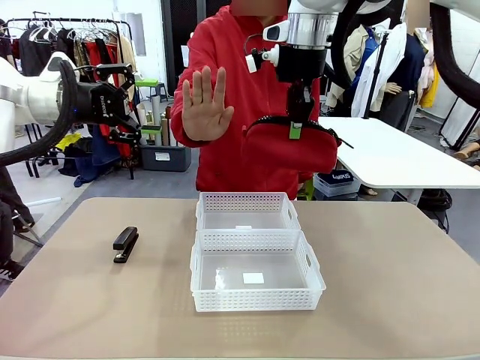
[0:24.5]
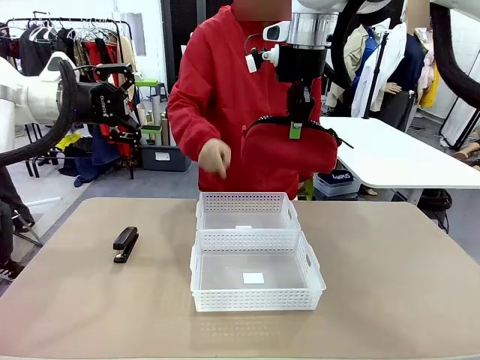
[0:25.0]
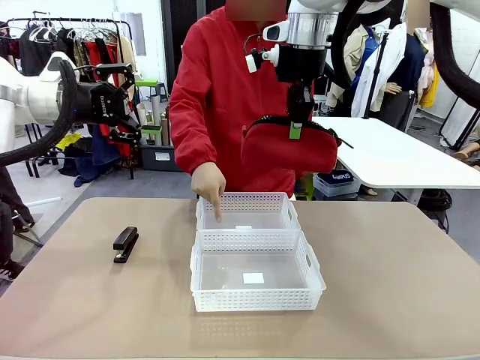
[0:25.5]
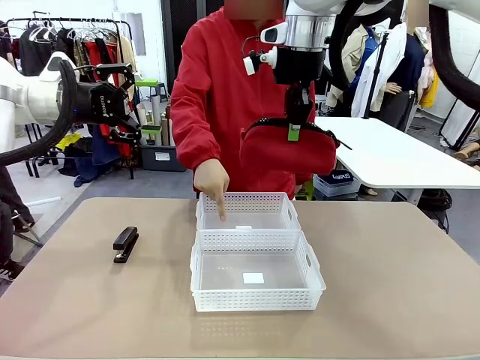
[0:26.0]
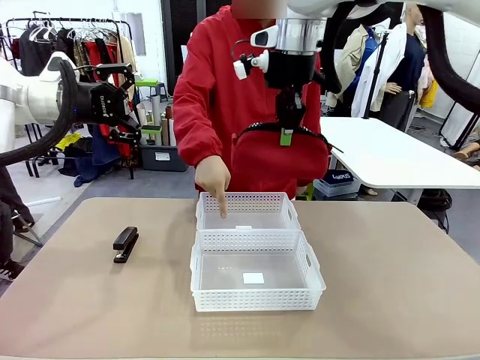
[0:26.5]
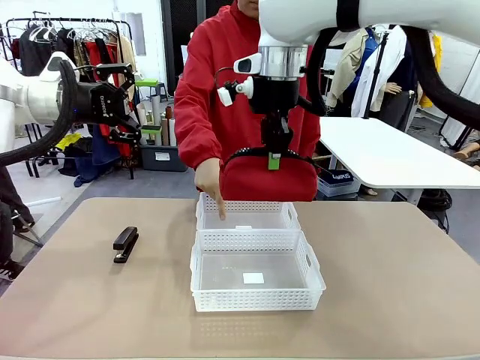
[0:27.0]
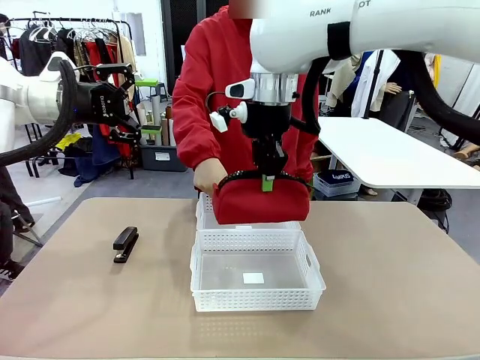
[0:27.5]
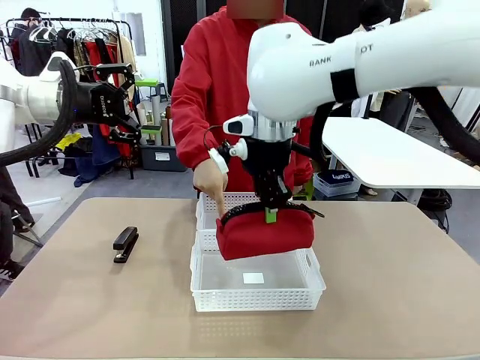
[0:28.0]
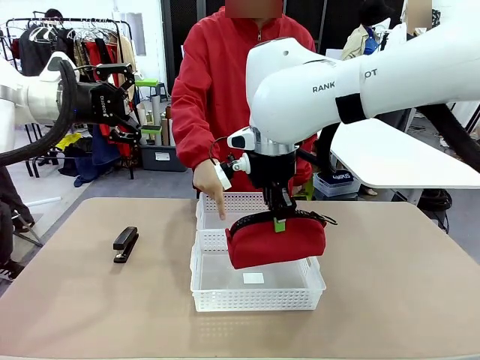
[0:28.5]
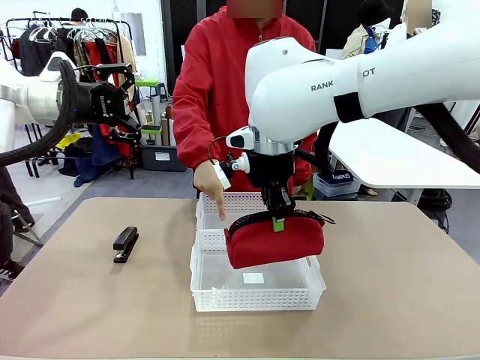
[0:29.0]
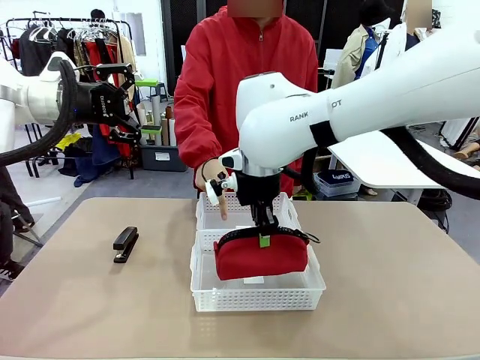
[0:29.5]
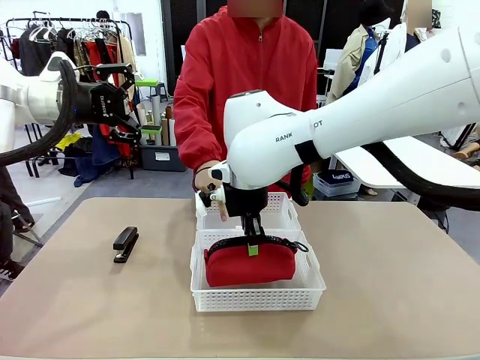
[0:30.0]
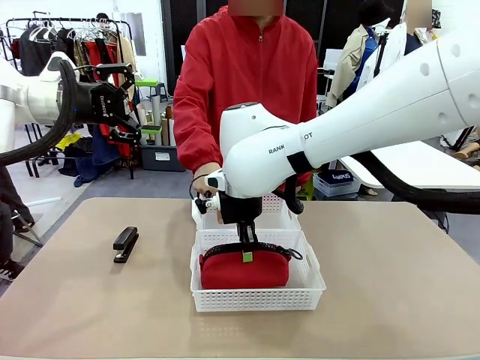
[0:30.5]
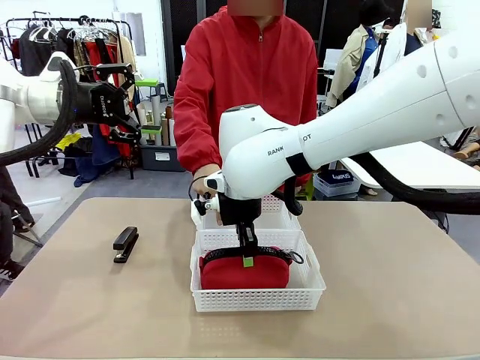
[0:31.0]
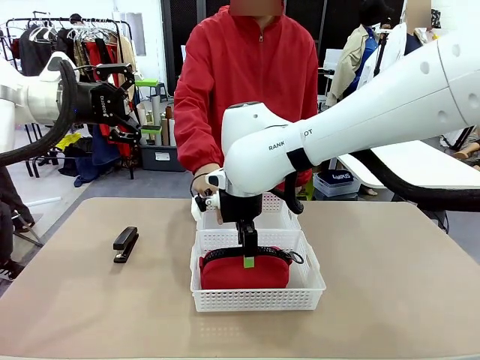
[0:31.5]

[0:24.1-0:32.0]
Task: Distribute items into two baskets.
Robot: Place the picked Pencil pouch into the Organizing basket as instructed by the person.
Person: Instructs the robot to place the pencil case into the opposite basket.

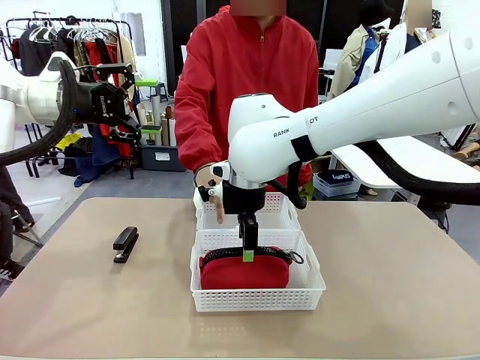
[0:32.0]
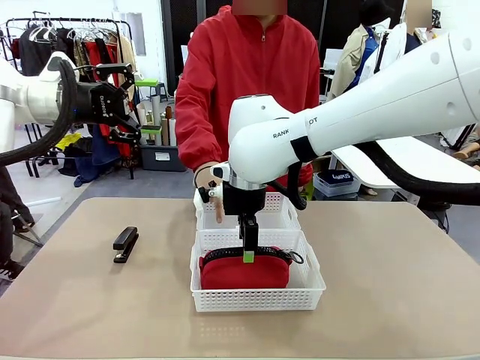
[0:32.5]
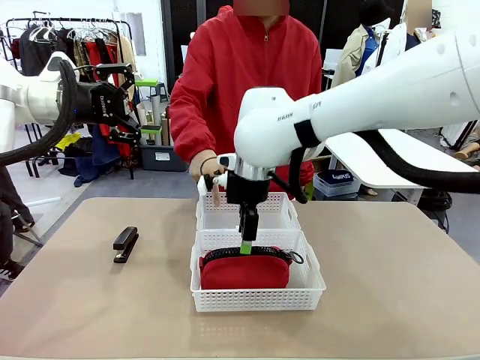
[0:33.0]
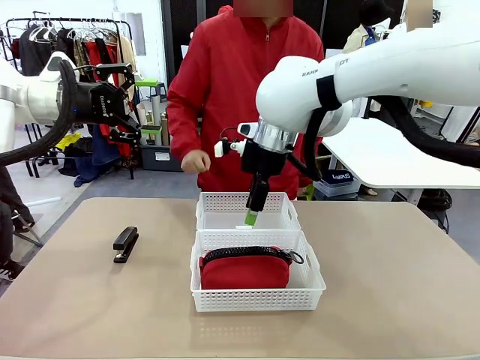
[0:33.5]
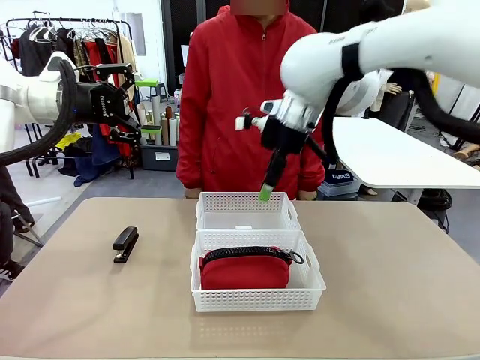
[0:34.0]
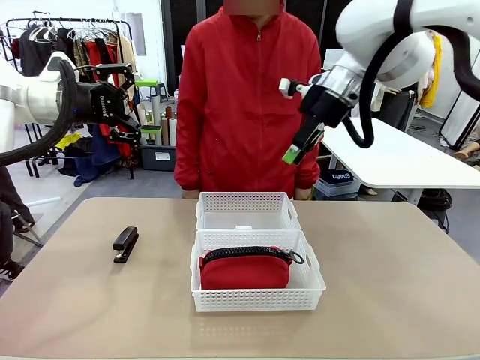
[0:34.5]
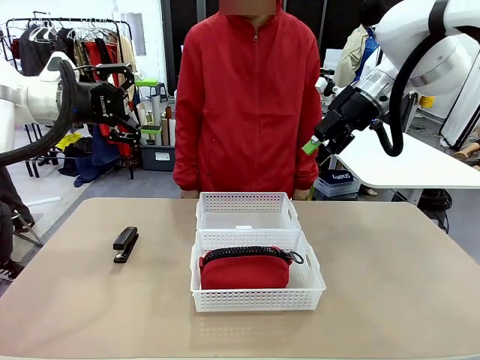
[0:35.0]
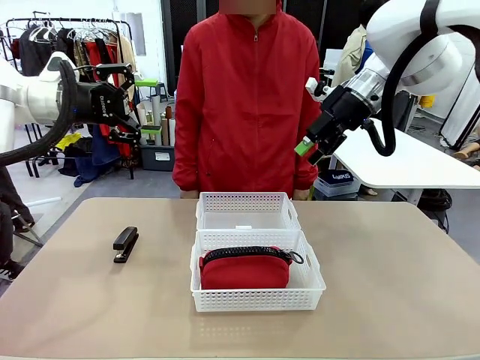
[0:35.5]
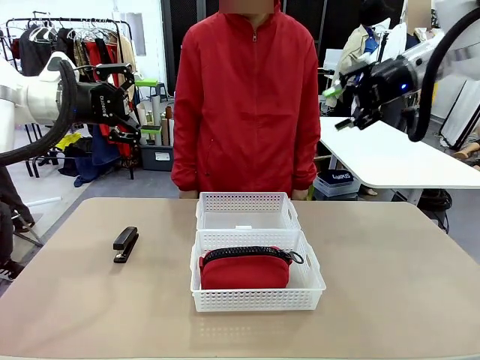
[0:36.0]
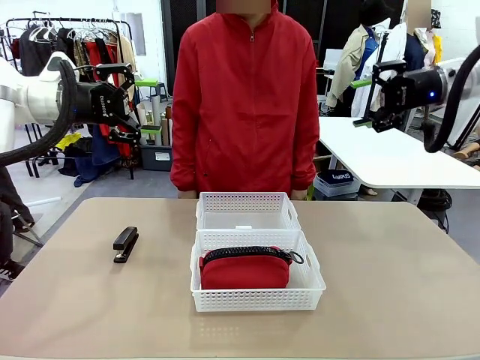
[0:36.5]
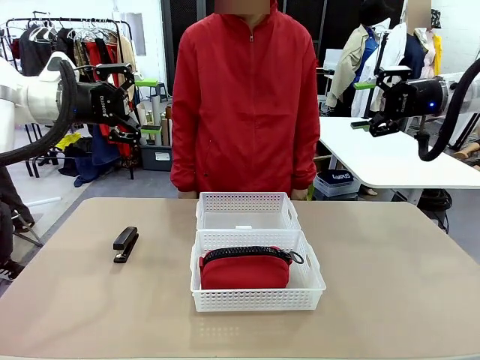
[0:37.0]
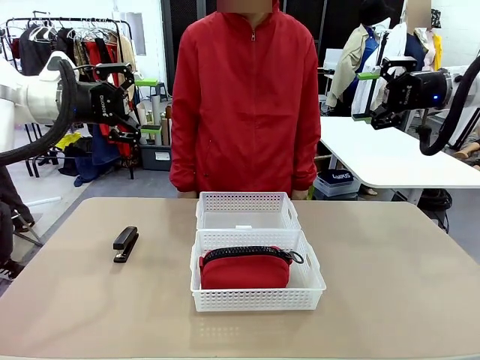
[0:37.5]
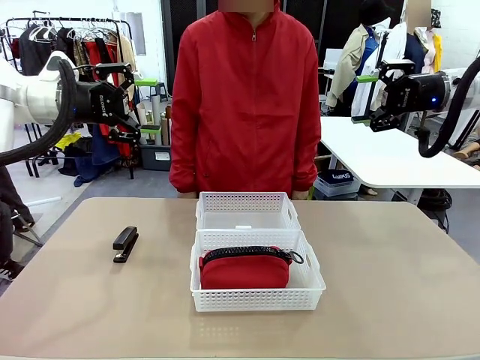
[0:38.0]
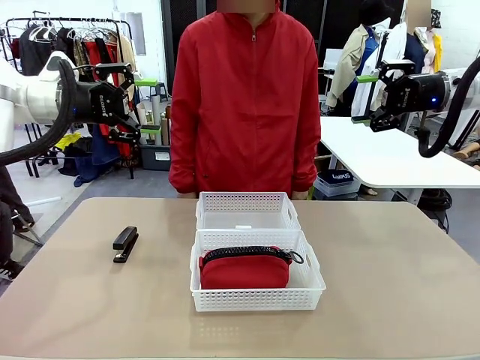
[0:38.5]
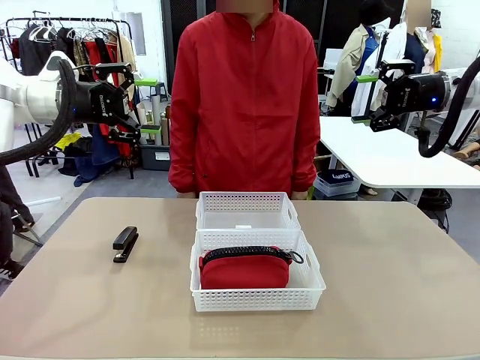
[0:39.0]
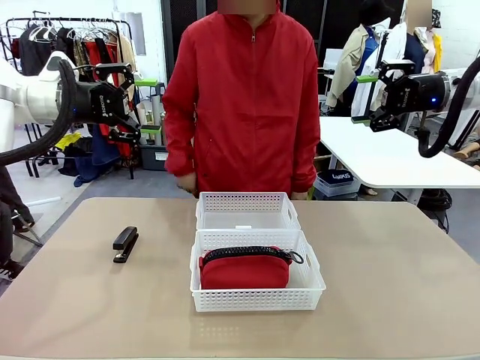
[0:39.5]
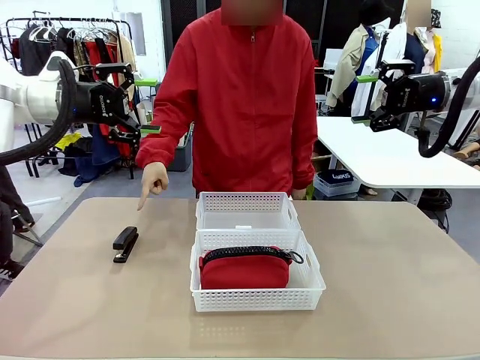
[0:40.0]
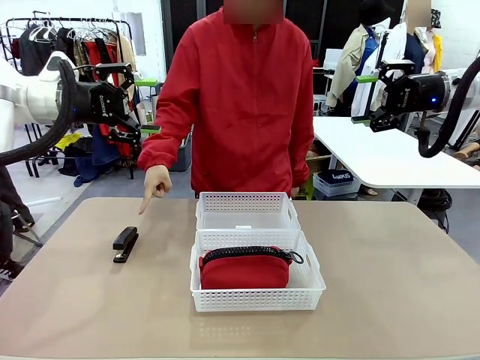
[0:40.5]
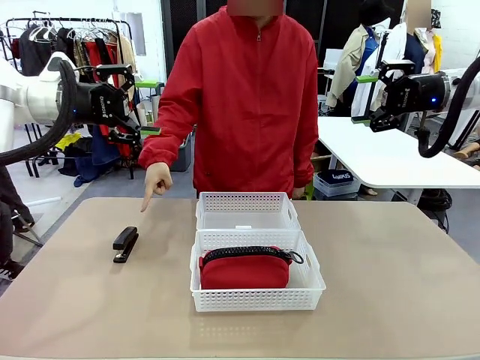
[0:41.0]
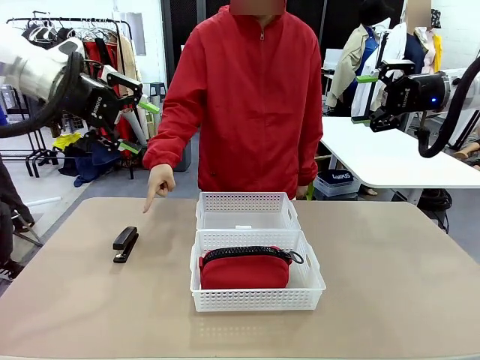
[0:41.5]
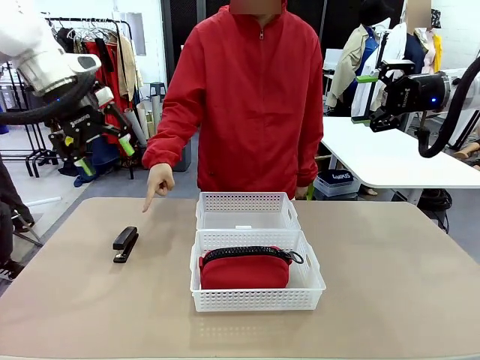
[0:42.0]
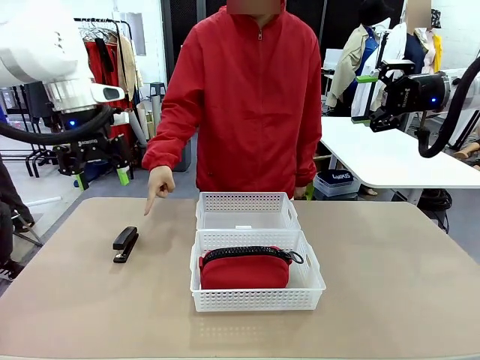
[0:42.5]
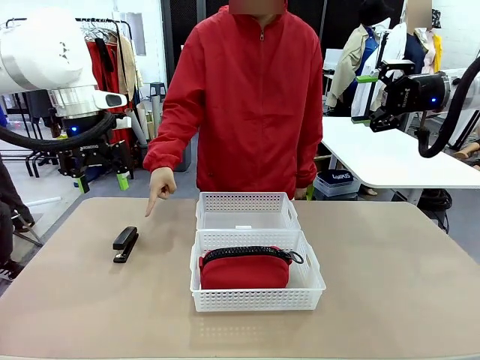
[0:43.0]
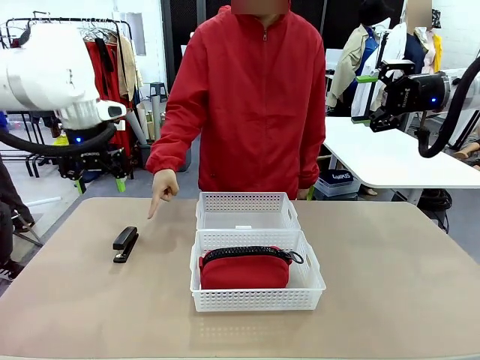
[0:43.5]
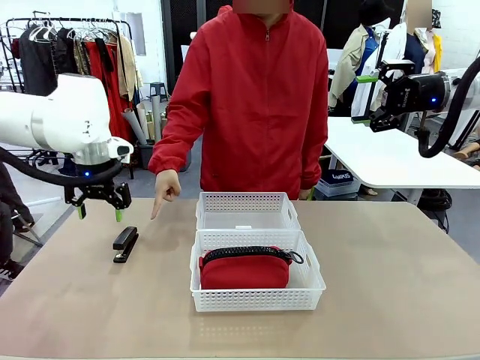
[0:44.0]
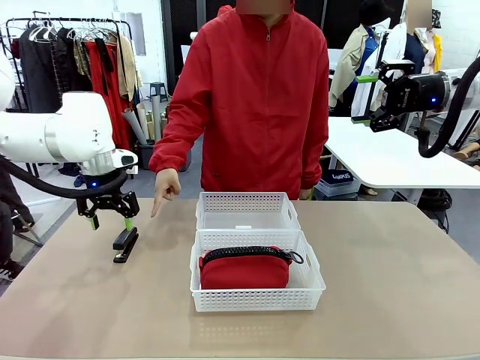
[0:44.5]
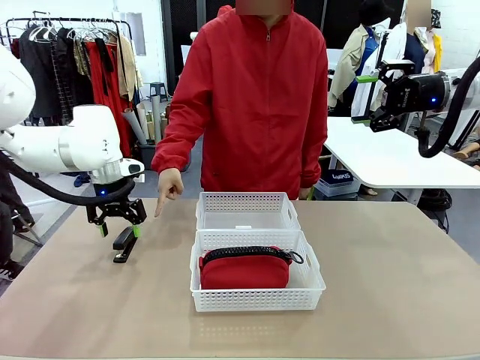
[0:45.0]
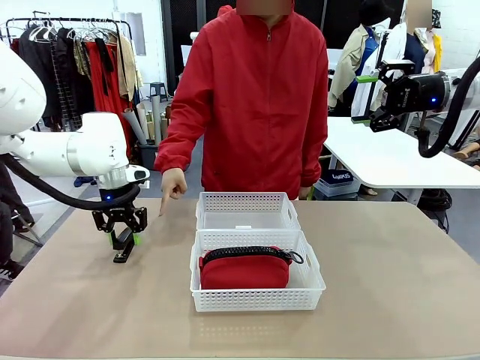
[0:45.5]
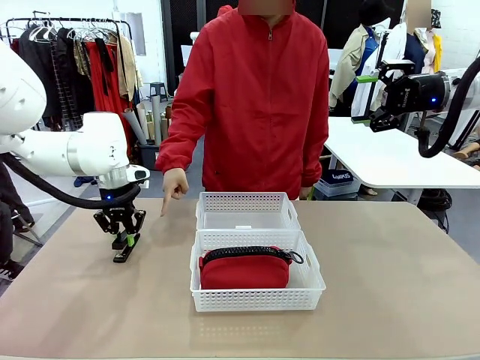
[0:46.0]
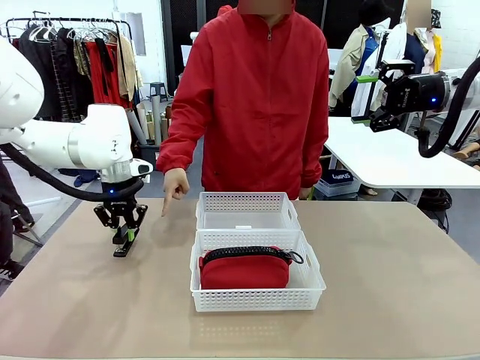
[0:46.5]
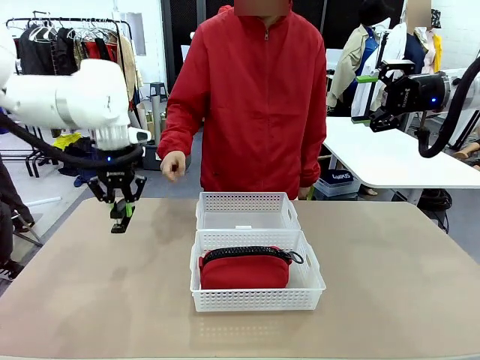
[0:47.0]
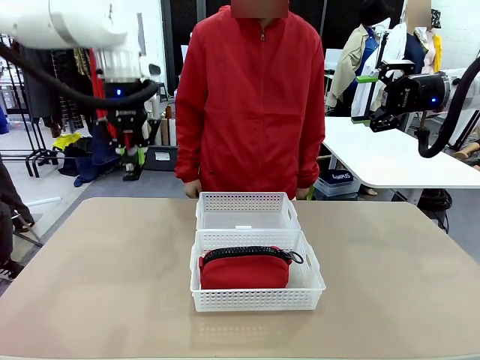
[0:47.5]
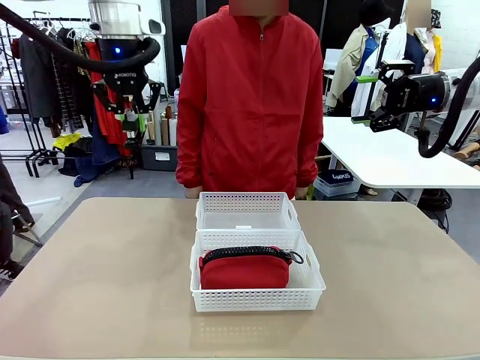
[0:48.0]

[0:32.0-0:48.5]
Robot: Pick up the Stapler that the person points to.
Person: Points to the stapler.
